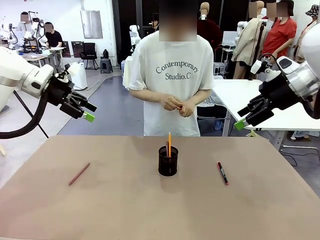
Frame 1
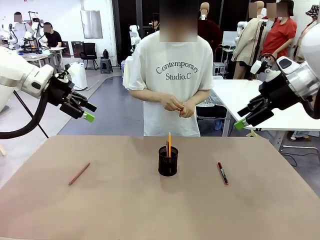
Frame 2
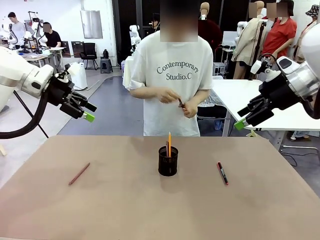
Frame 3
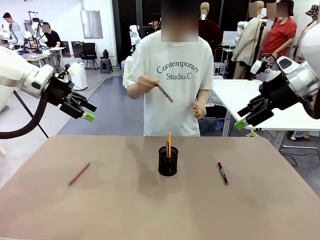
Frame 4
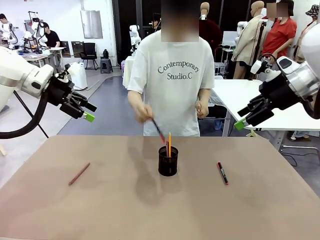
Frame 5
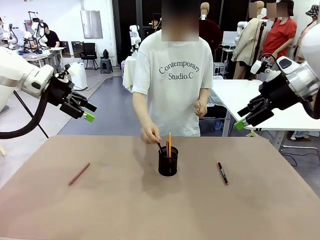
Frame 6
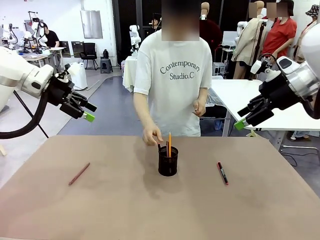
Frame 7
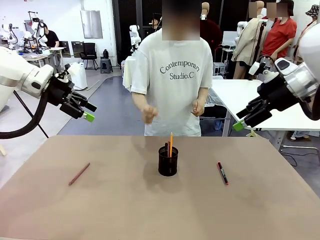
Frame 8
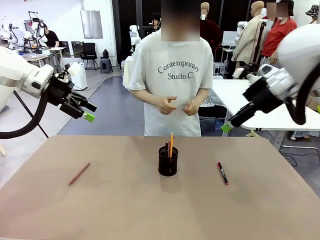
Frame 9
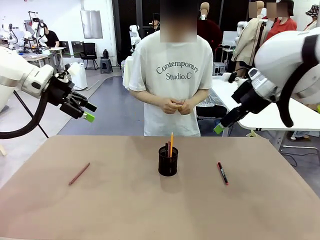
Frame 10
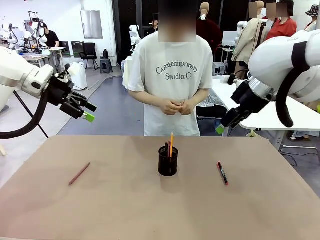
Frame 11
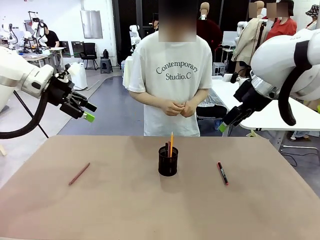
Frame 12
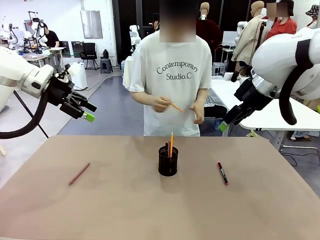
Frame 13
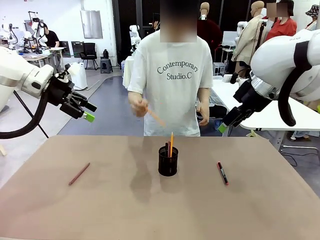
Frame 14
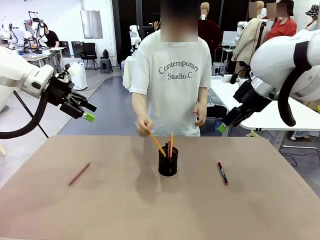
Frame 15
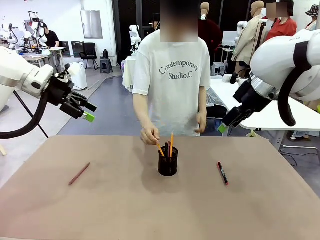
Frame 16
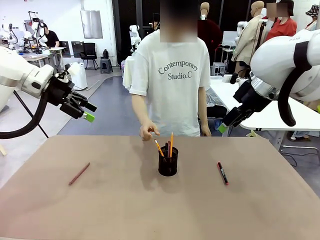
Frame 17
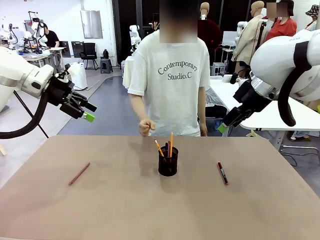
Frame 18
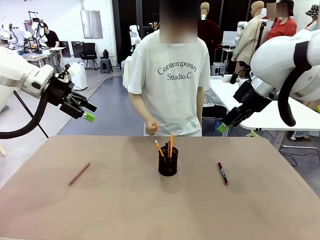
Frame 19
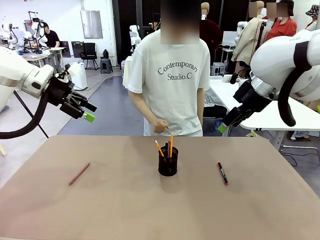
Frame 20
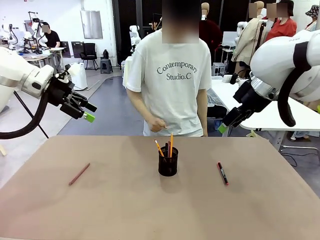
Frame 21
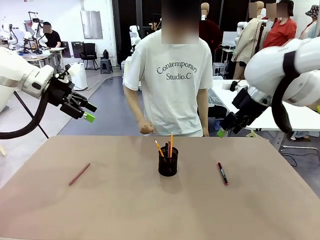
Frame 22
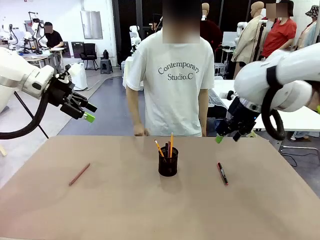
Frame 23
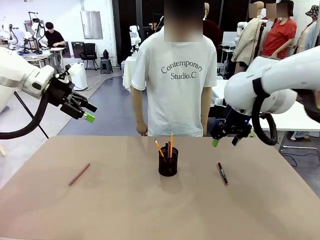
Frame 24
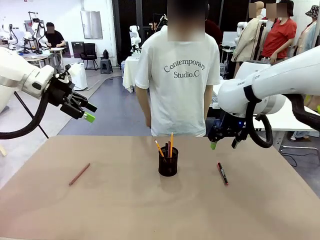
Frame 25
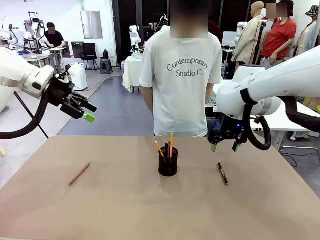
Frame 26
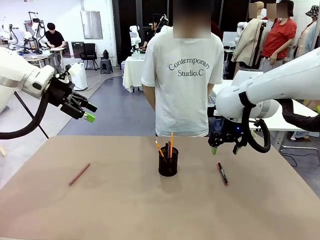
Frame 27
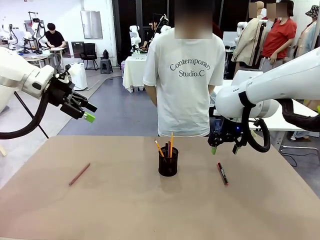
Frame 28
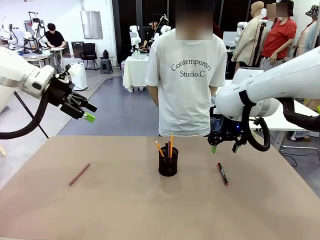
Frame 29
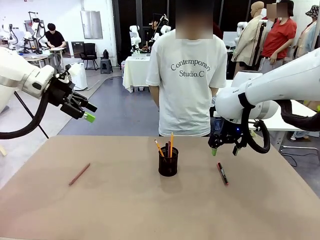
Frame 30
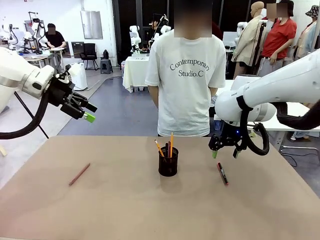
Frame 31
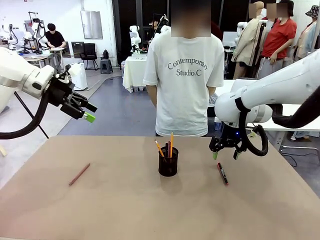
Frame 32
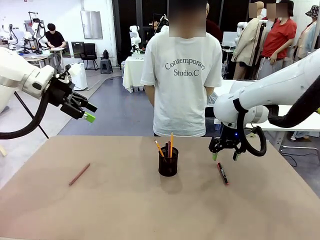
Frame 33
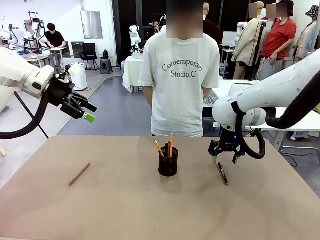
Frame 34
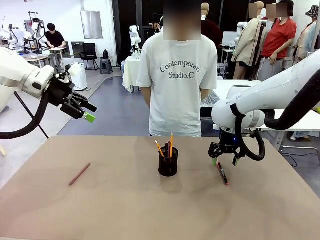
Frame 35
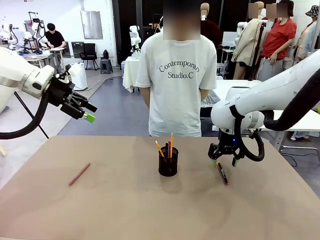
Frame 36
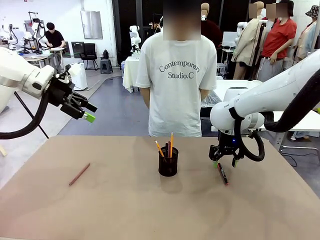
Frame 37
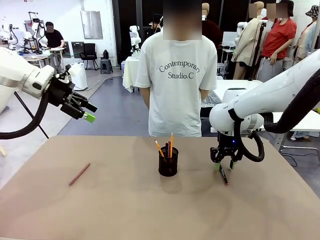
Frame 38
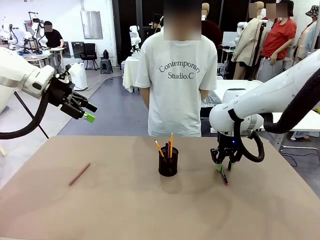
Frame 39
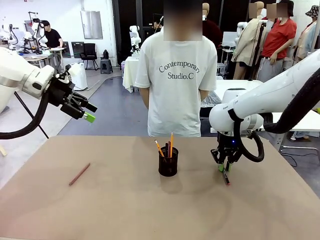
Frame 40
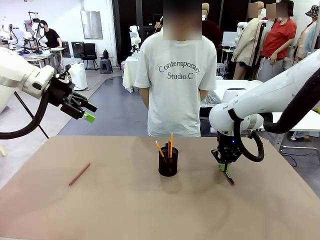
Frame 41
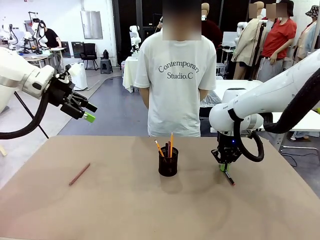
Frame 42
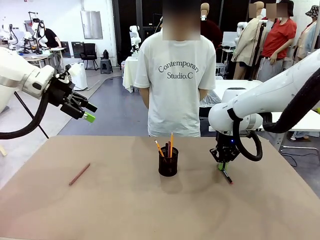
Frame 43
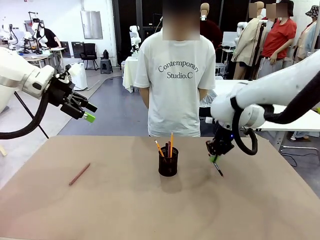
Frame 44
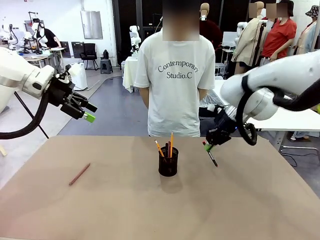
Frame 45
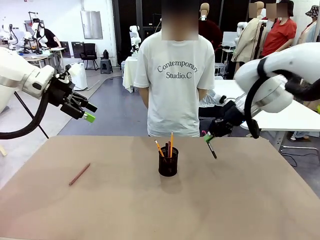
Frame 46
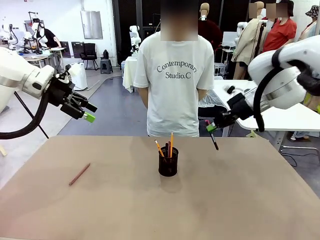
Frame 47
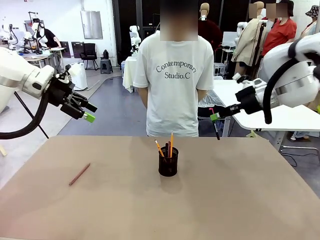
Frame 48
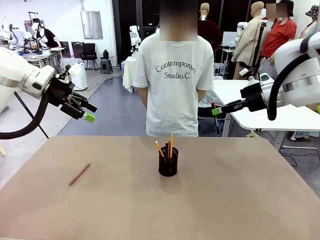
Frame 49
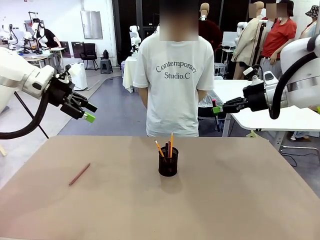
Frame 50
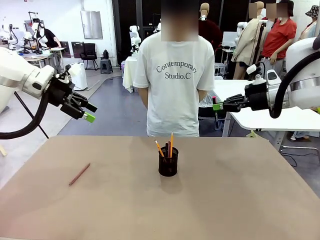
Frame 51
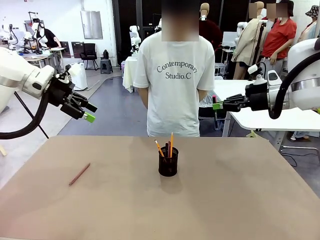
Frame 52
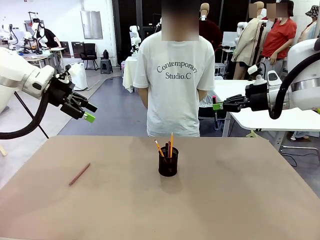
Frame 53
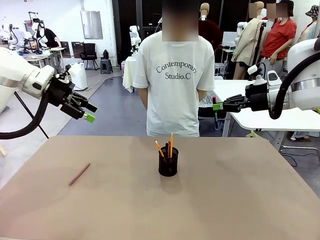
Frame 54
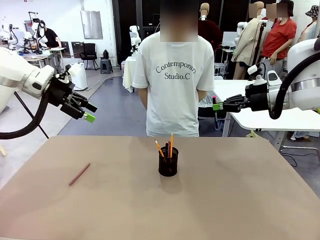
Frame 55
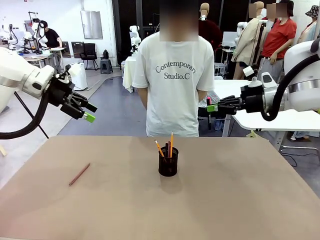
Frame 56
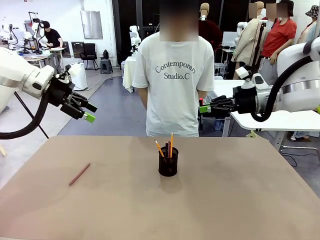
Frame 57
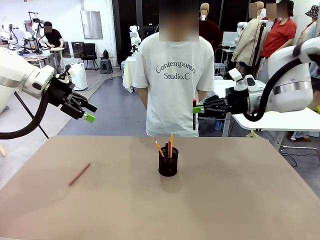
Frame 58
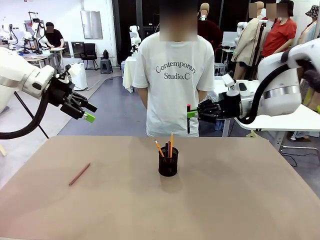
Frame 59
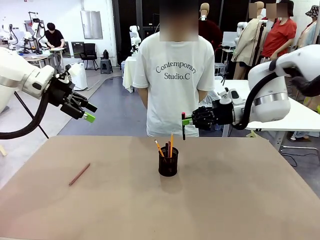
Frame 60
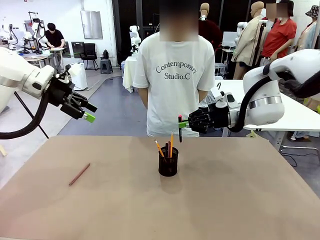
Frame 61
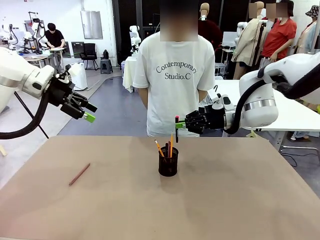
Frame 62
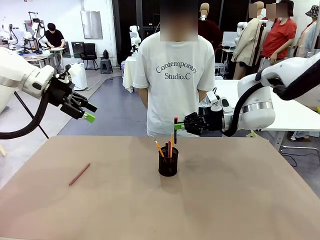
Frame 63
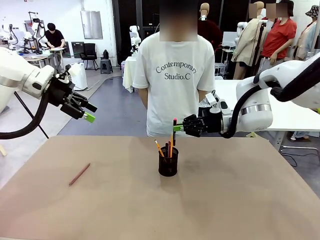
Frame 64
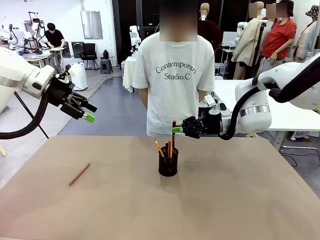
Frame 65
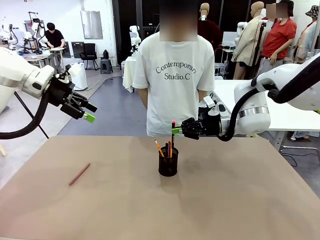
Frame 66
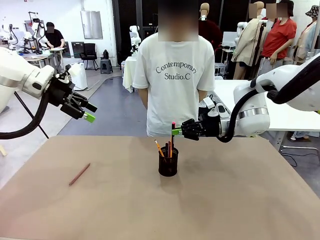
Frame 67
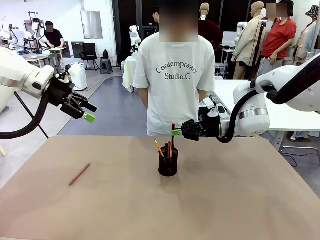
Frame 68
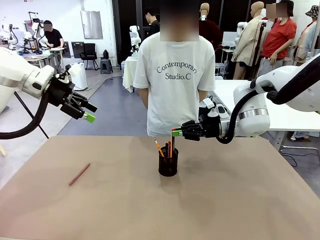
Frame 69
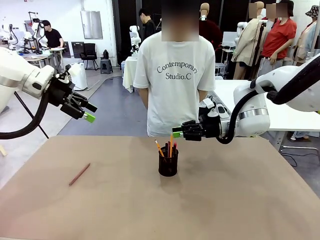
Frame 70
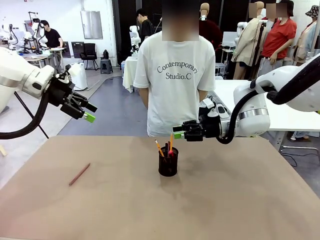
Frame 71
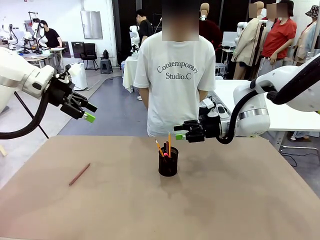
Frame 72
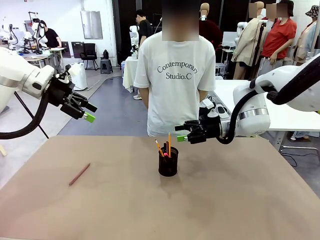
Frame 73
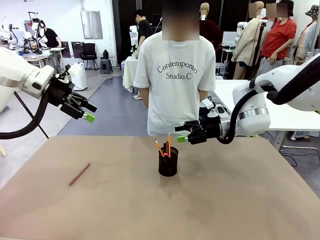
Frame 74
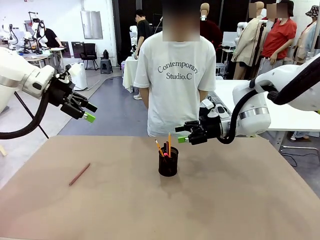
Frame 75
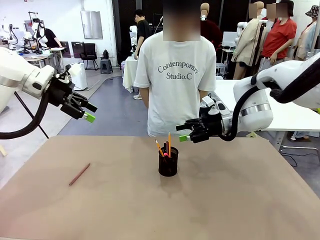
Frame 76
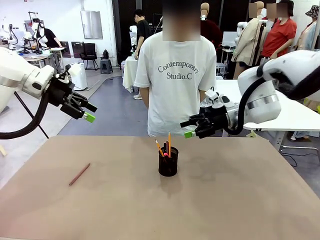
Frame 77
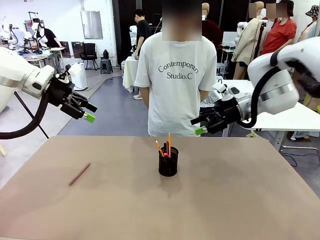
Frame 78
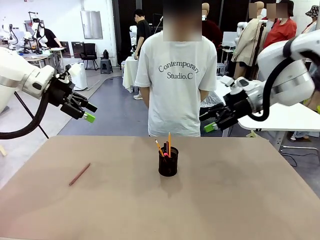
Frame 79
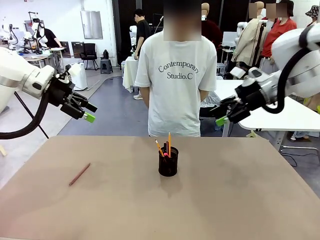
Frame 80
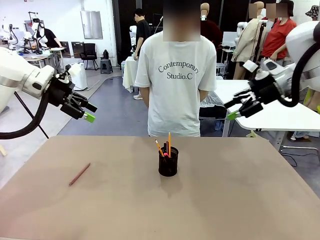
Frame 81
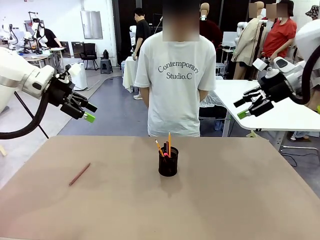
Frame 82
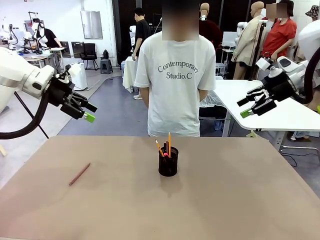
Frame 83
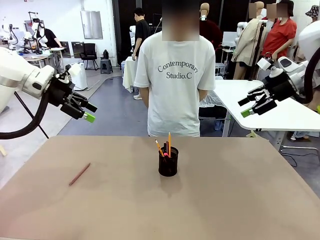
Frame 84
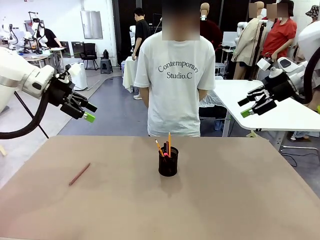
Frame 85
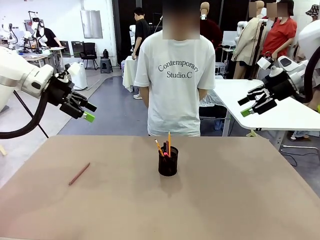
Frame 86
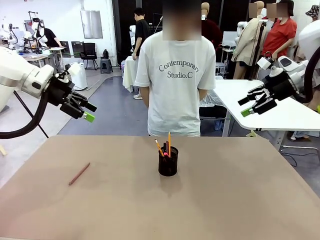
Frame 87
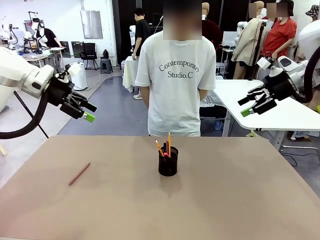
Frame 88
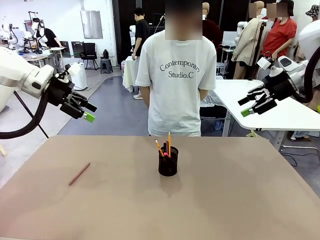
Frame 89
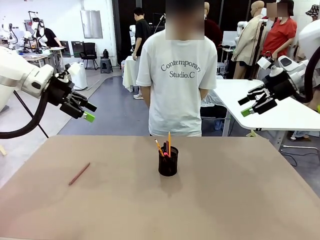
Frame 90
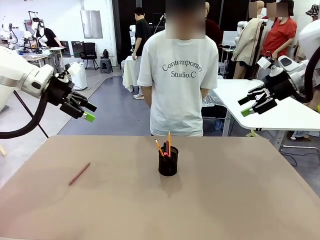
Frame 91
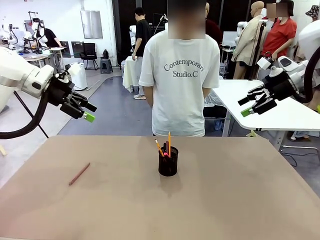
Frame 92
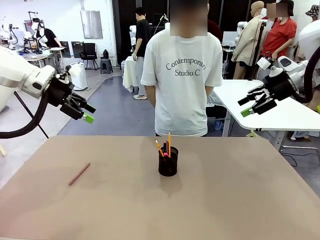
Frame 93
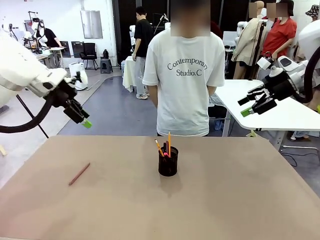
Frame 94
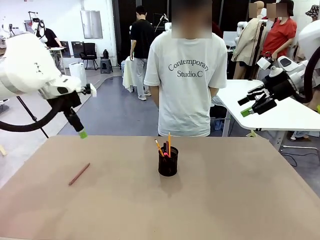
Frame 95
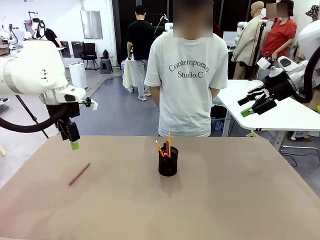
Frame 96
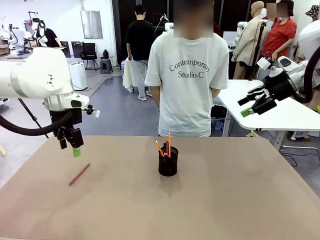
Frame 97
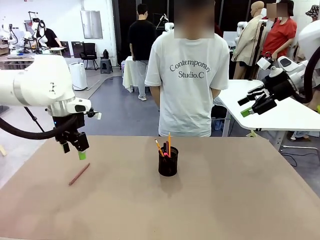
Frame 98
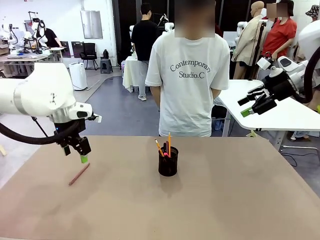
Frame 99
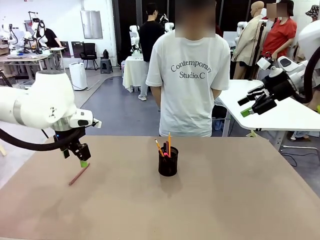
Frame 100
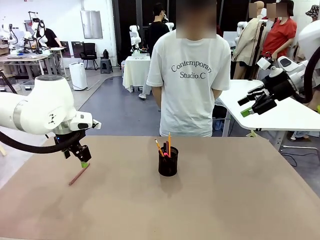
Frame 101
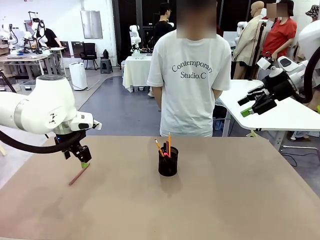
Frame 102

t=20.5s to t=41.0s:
Task: Place the pens into the pen holder.
Robot: Pick up a writing instrument from the table and place it into the Pen holder.
